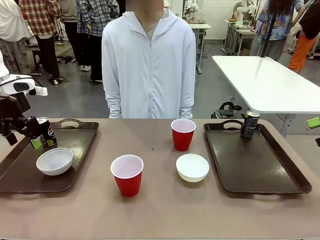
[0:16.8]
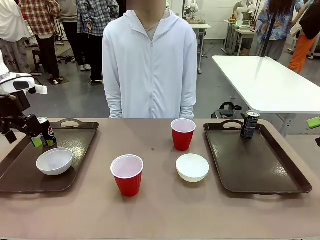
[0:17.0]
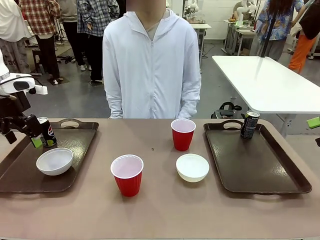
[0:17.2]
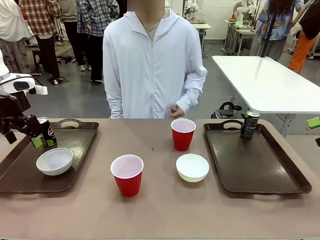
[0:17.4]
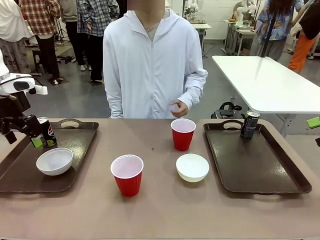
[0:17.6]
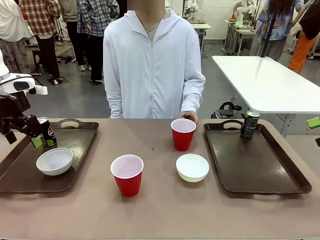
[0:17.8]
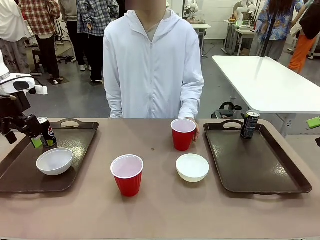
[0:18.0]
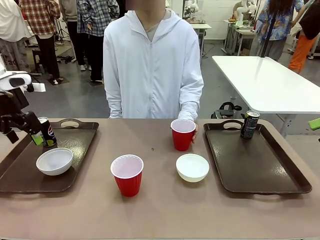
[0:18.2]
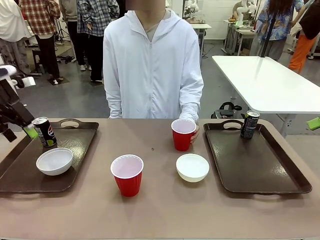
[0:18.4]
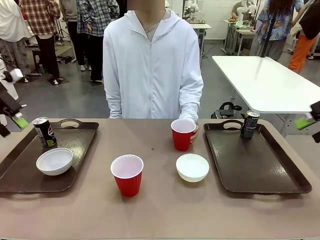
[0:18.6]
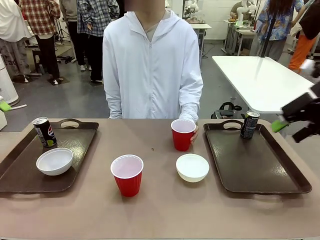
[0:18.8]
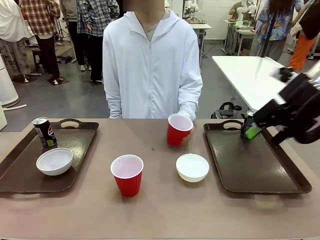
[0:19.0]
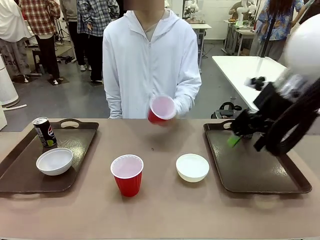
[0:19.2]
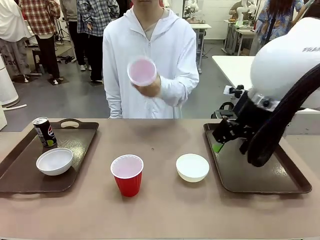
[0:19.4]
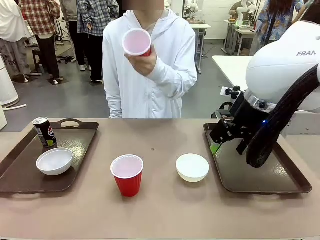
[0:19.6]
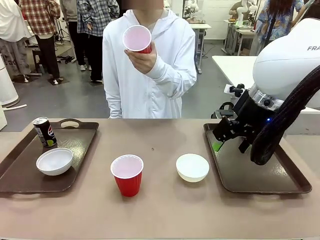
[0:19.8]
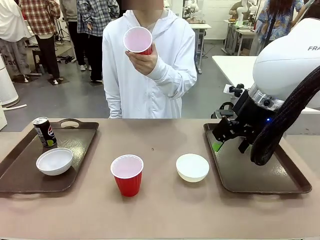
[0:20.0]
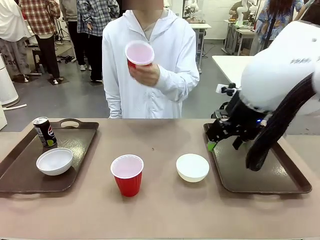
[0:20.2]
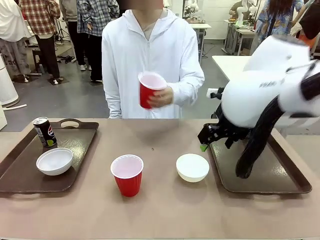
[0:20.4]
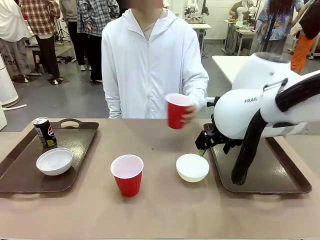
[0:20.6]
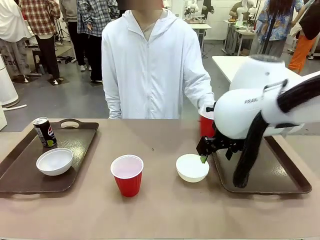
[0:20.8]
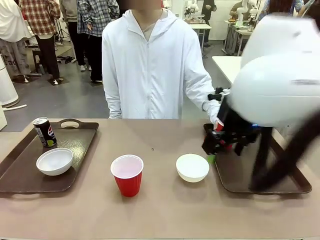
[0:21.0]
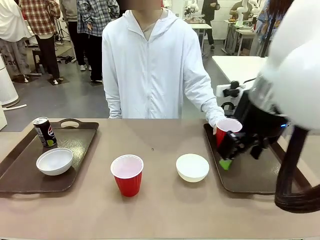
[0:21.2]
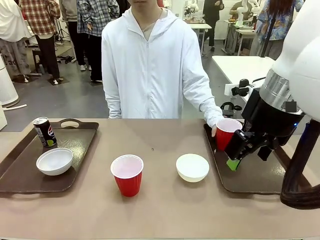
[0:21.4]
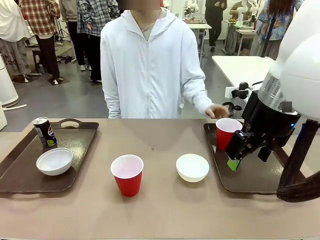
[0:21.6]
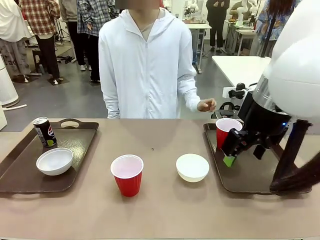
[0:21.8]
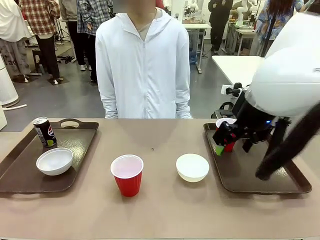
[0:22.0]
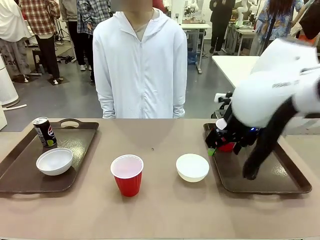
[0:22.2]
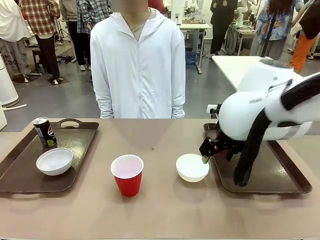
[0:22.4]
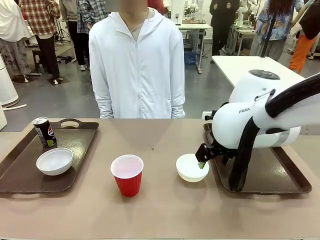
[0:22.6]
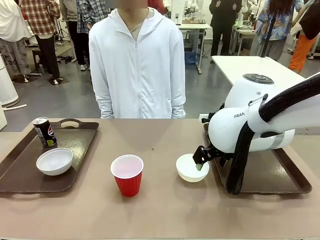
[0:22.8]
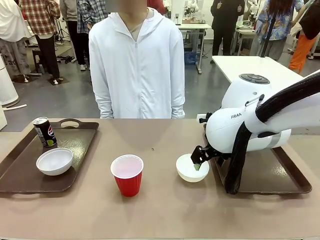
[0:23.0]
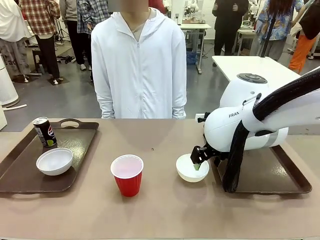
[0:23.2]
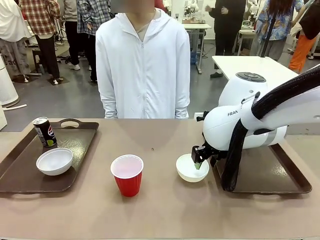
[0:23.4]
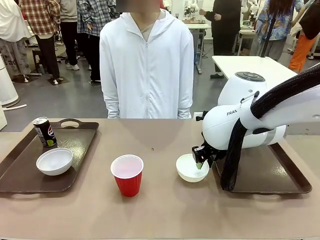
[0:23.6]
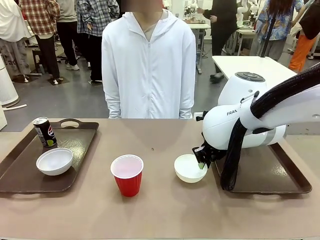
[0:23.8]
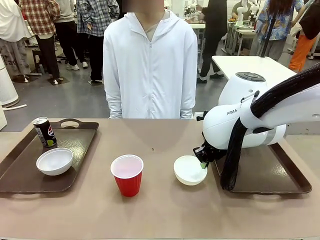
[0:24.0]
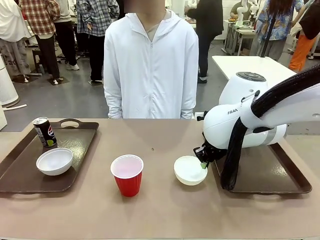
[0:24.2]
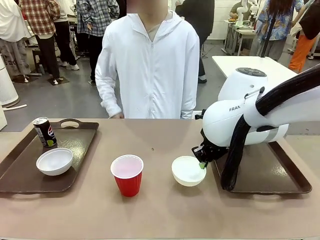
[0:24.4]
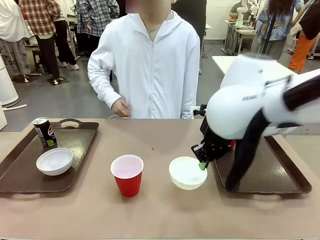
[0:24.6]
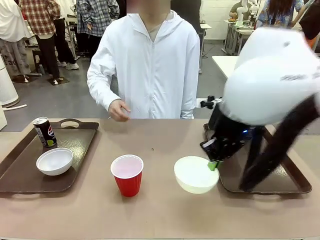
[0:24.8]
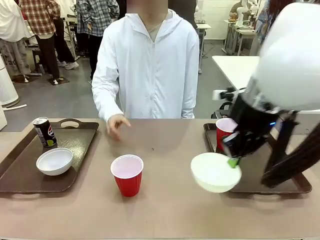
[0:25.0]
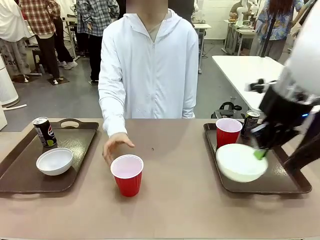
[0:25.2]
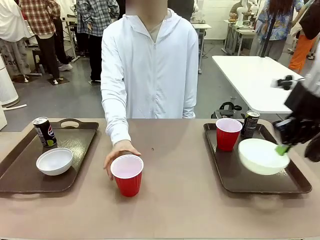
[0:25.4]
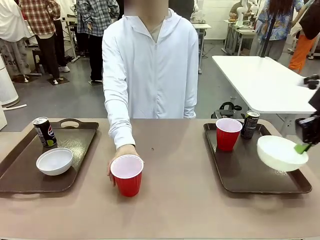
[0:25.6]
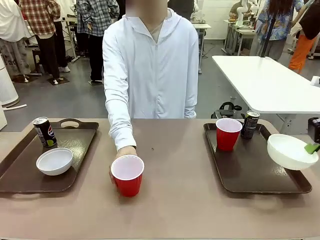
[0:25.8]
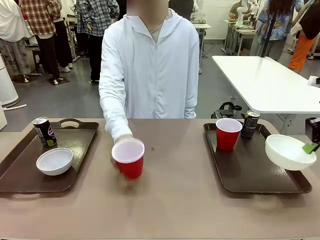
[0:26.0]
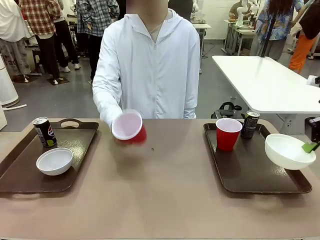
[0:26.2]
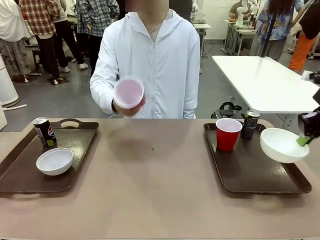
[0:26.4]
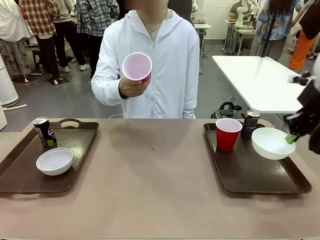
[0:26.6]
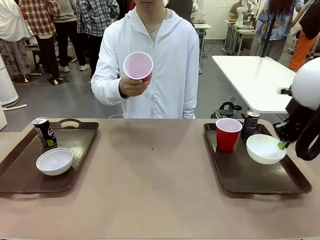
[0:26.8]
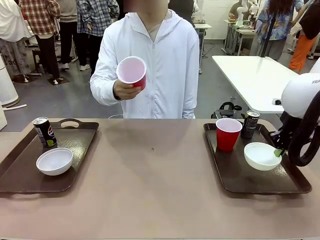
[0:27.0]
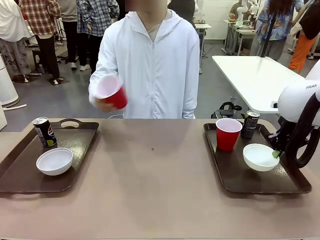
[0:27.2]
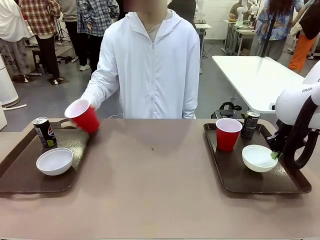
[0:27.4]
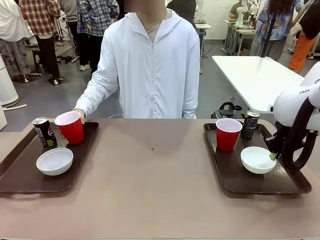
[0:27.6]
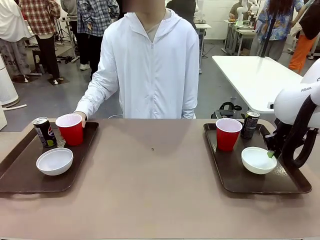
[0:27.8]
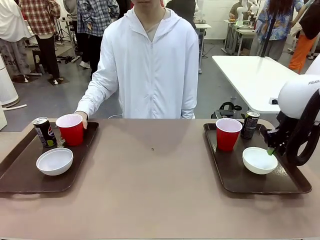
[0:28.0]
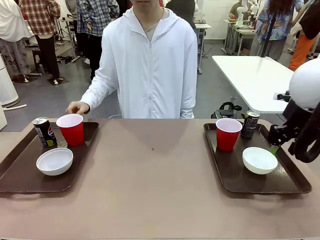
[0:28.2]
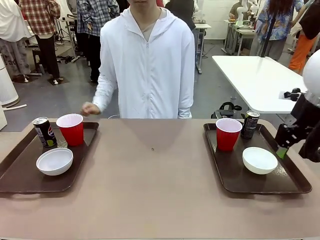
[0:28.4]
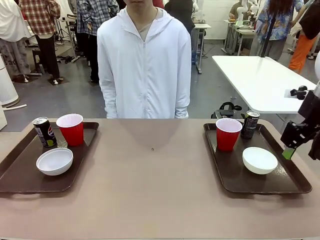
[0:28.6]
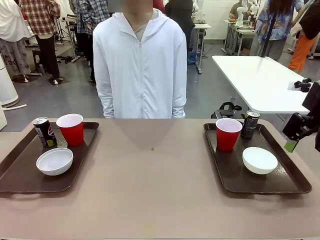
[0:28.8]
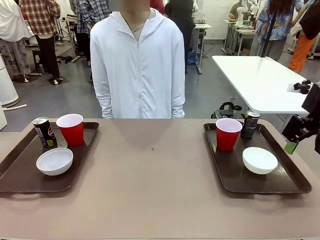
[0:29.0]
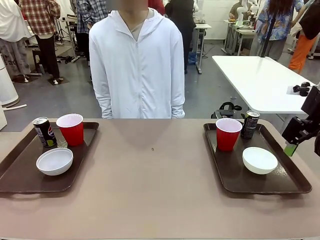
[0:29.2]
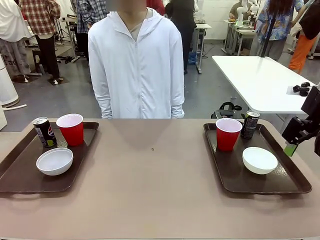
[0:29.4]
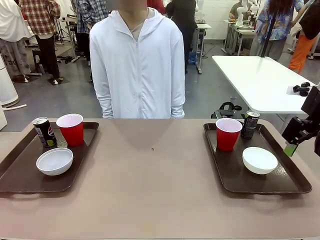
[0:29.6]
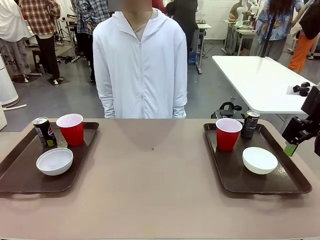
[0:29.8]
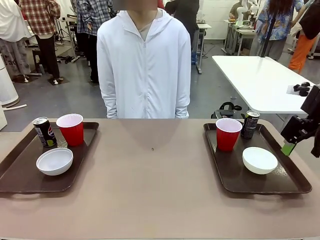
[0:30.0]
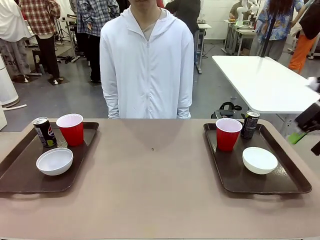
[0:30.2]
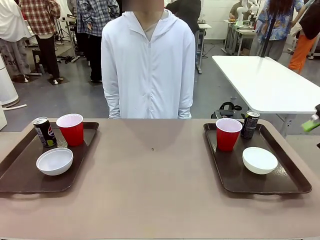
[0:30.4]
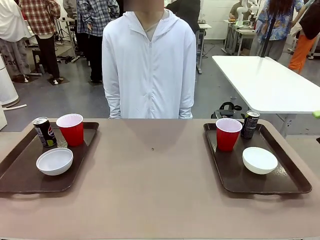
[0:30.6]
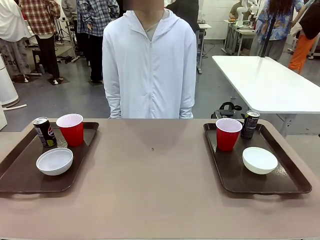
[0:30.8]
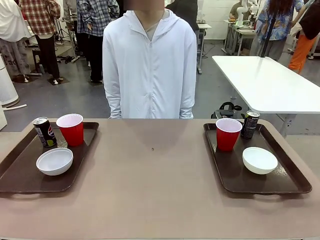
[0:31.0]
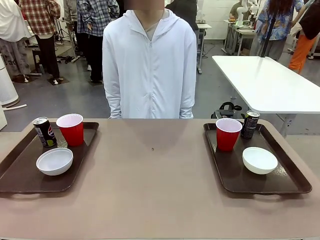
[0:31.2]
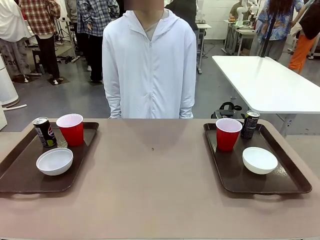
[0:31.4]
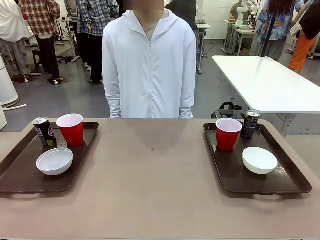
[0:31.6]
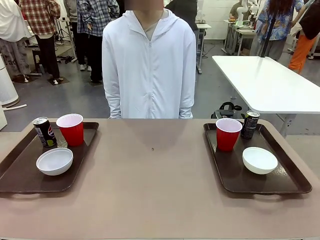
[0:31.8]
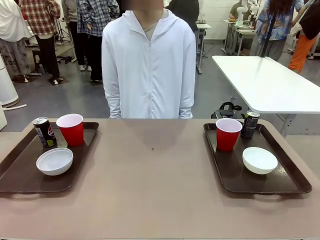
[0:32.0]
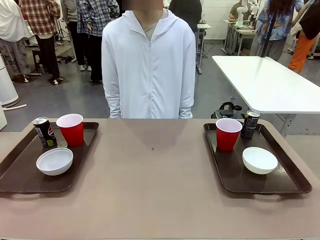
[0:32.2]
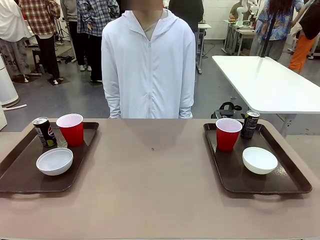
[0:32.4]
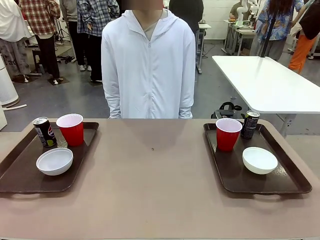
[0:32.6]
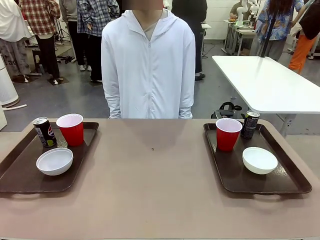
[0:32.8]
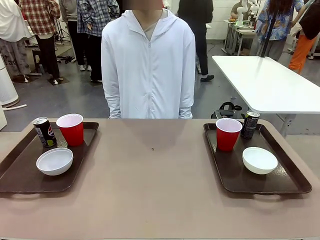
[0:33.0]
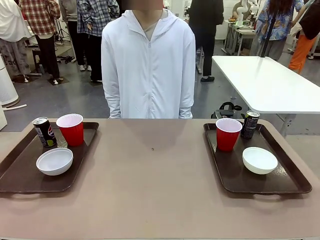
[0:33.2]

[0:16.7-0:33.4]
Task: Prepare tableware on both trays.
Robot: Pick up a Picnic Bowl from the table and place it on a Handle tray.
Person: Pick up a can or cup and place it on the tray without a can or cup.
